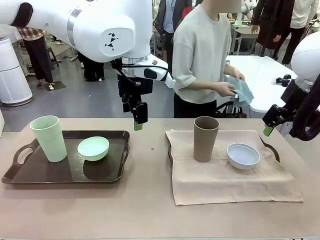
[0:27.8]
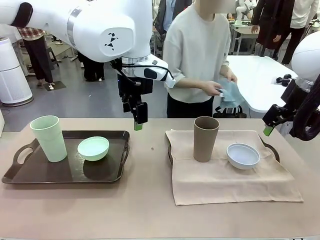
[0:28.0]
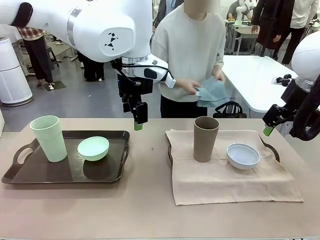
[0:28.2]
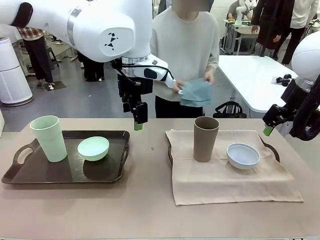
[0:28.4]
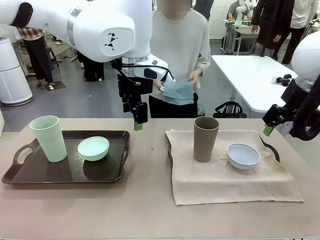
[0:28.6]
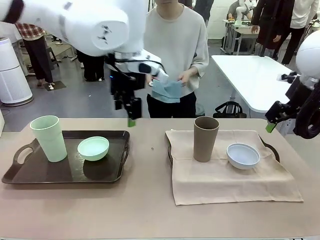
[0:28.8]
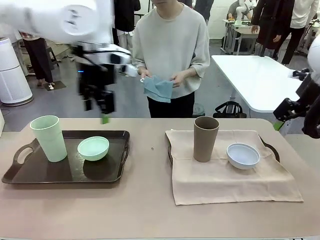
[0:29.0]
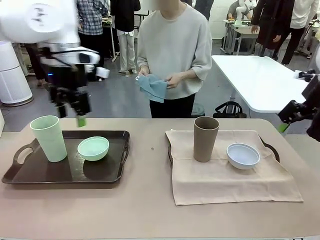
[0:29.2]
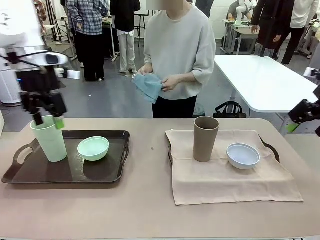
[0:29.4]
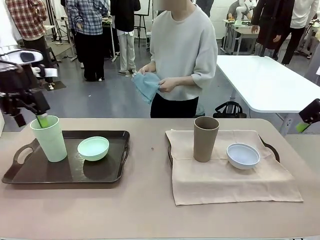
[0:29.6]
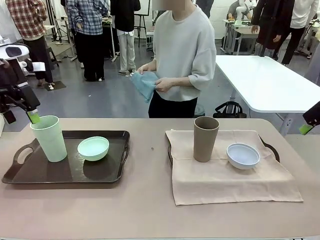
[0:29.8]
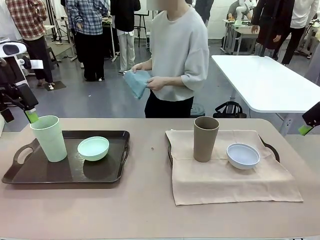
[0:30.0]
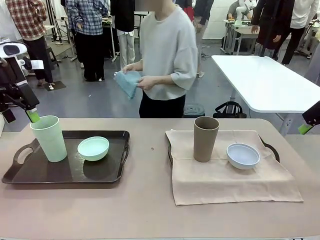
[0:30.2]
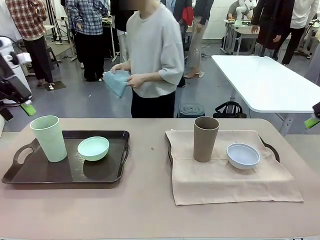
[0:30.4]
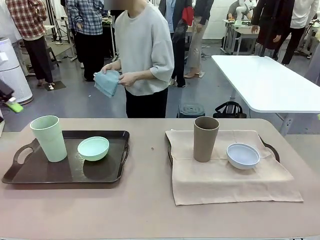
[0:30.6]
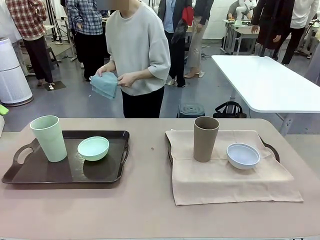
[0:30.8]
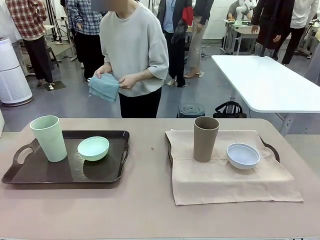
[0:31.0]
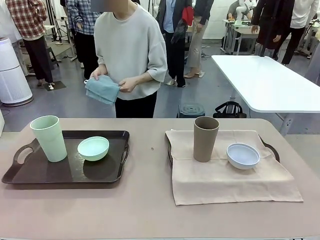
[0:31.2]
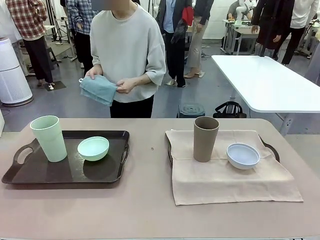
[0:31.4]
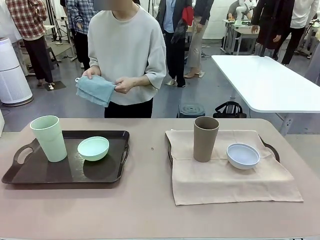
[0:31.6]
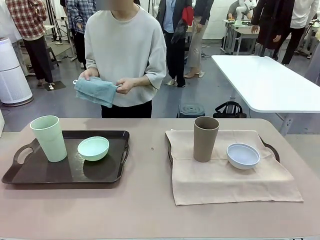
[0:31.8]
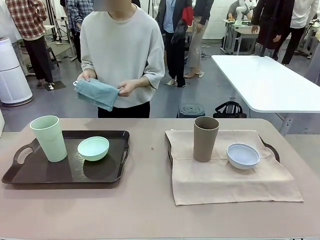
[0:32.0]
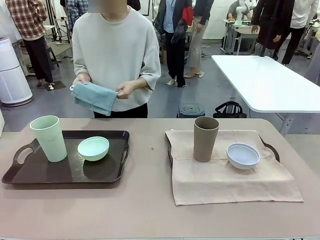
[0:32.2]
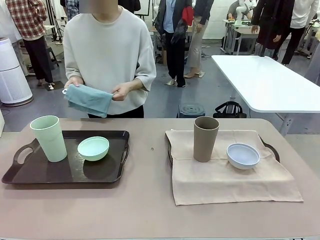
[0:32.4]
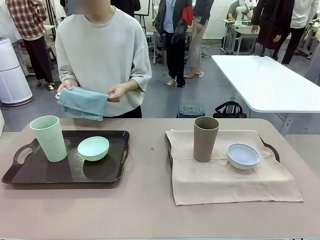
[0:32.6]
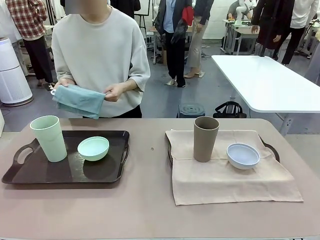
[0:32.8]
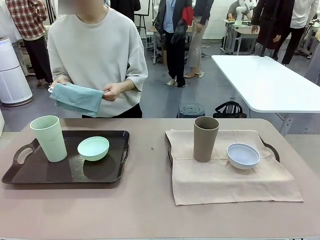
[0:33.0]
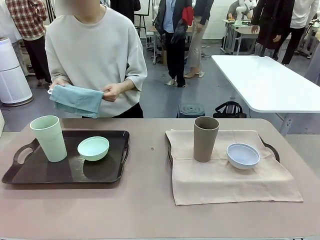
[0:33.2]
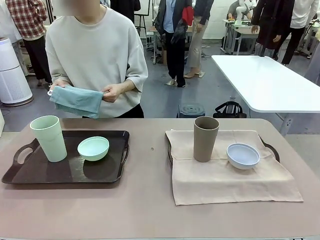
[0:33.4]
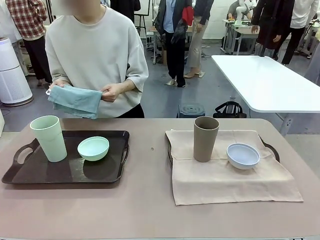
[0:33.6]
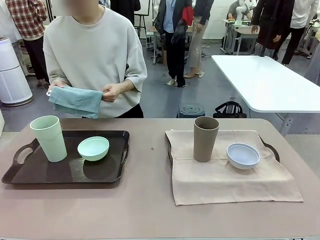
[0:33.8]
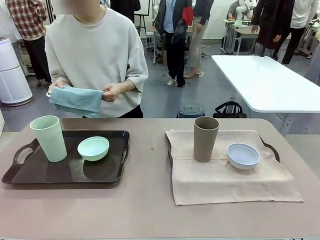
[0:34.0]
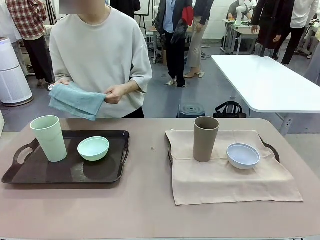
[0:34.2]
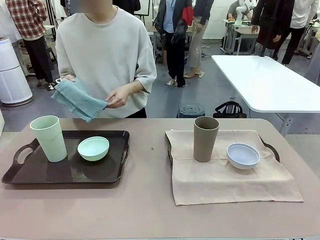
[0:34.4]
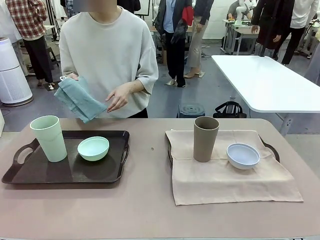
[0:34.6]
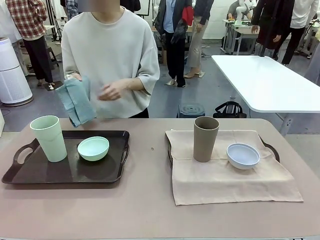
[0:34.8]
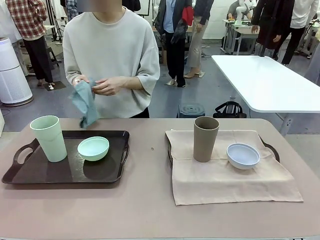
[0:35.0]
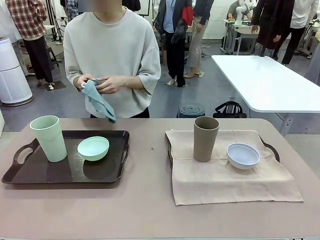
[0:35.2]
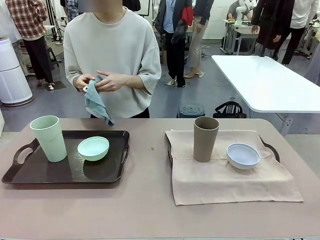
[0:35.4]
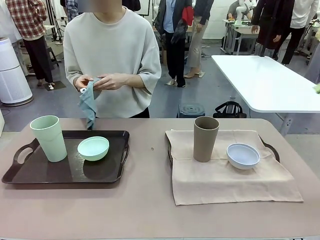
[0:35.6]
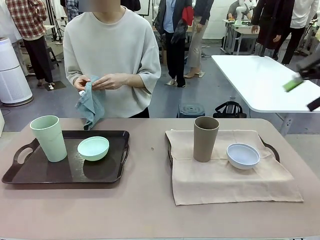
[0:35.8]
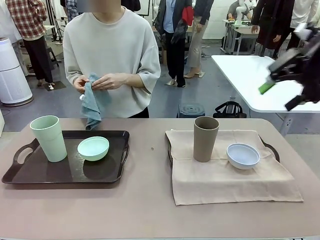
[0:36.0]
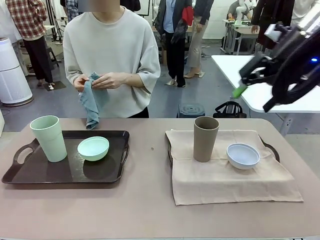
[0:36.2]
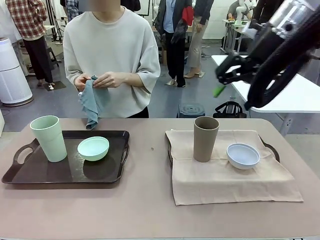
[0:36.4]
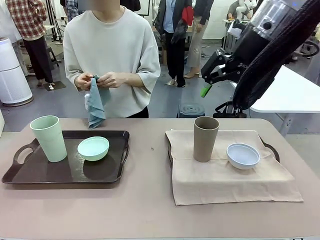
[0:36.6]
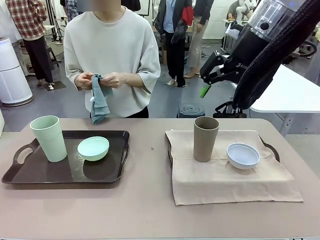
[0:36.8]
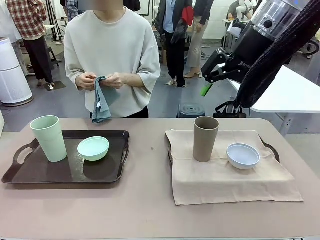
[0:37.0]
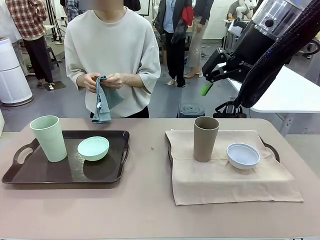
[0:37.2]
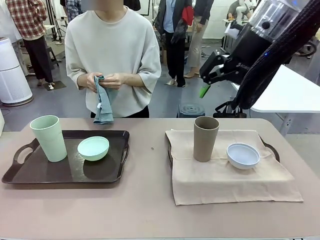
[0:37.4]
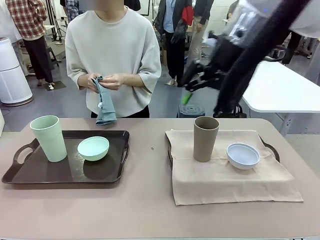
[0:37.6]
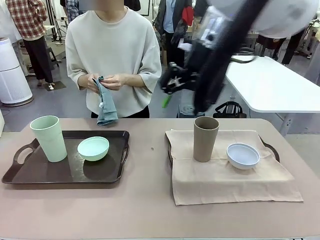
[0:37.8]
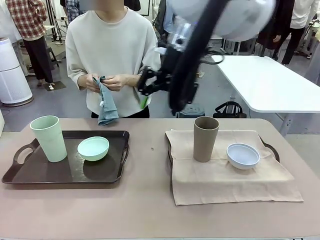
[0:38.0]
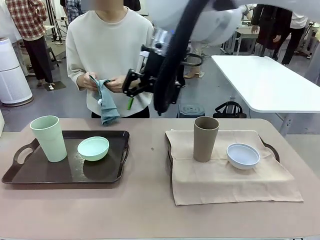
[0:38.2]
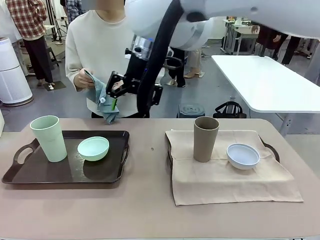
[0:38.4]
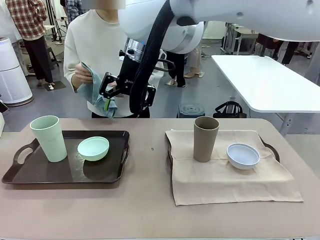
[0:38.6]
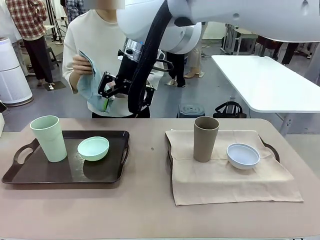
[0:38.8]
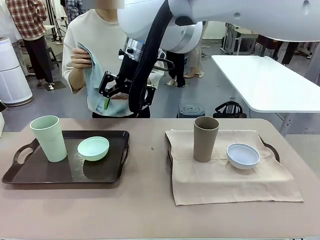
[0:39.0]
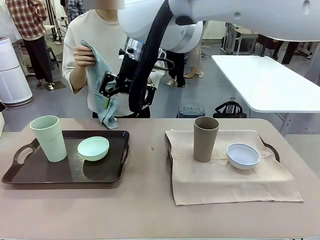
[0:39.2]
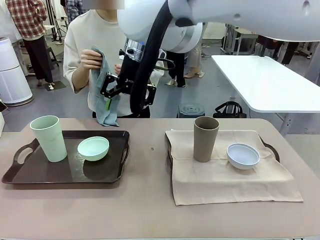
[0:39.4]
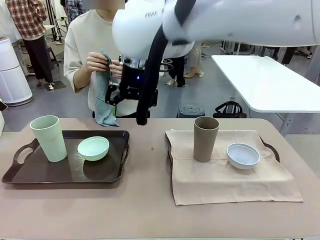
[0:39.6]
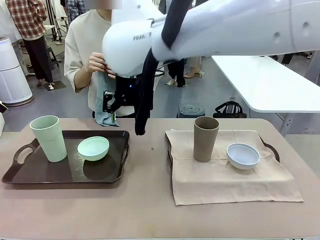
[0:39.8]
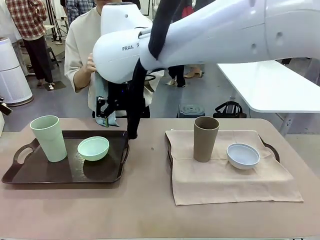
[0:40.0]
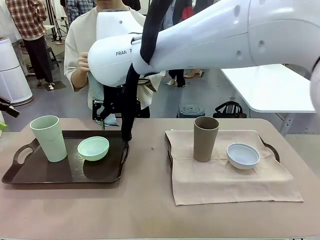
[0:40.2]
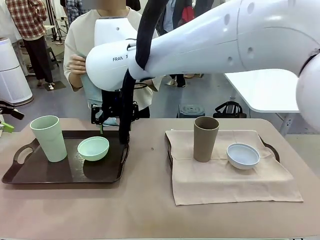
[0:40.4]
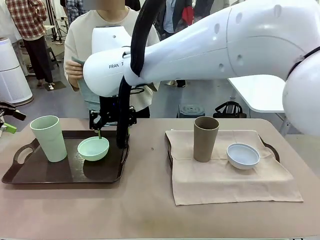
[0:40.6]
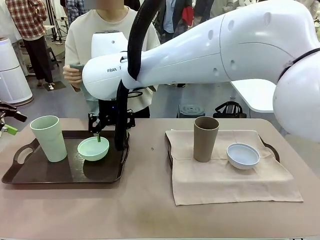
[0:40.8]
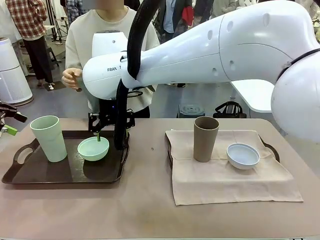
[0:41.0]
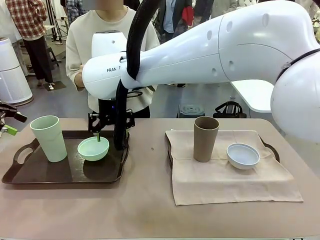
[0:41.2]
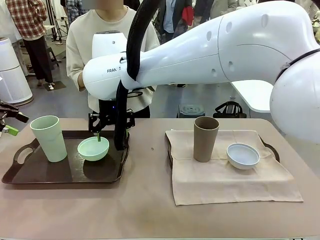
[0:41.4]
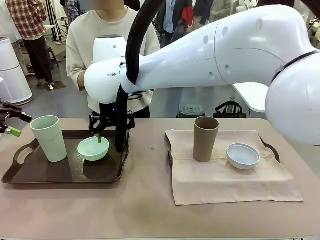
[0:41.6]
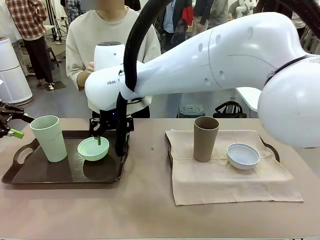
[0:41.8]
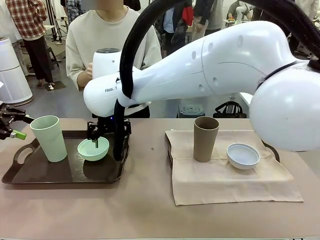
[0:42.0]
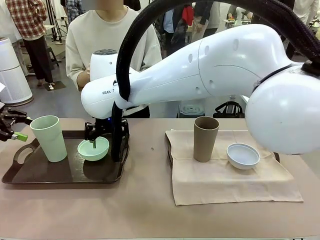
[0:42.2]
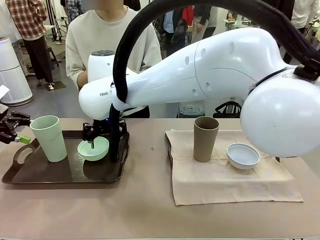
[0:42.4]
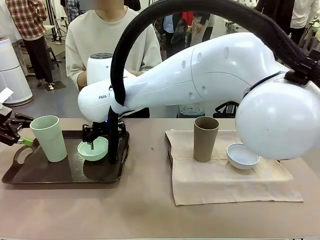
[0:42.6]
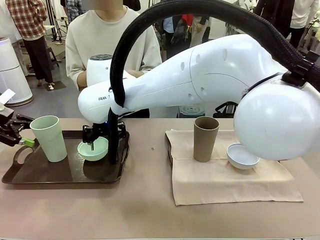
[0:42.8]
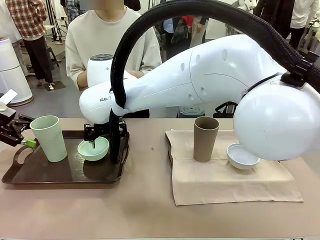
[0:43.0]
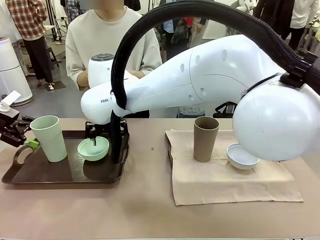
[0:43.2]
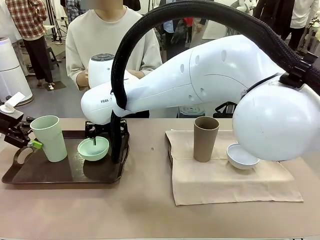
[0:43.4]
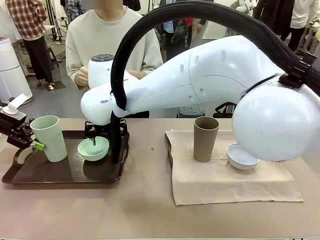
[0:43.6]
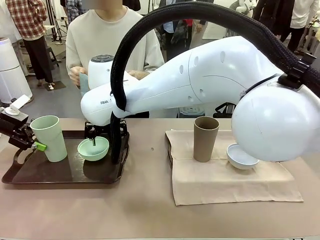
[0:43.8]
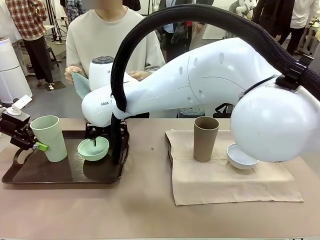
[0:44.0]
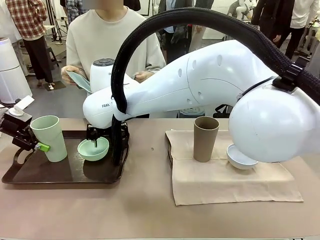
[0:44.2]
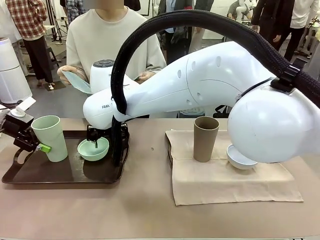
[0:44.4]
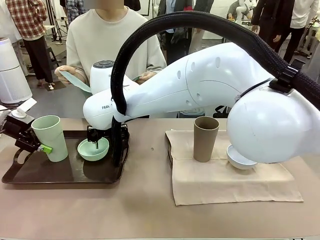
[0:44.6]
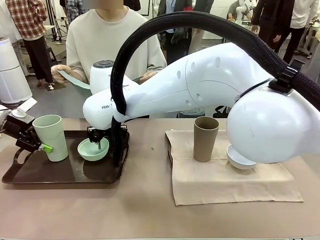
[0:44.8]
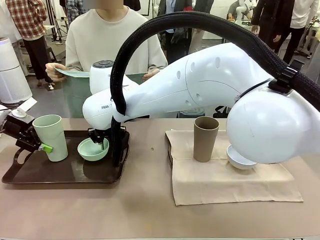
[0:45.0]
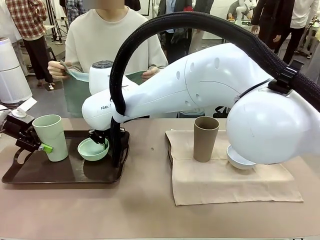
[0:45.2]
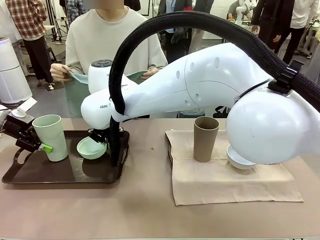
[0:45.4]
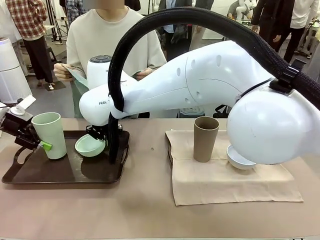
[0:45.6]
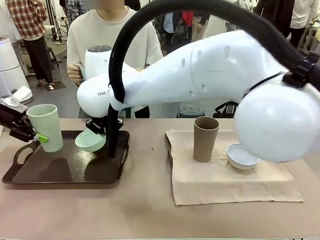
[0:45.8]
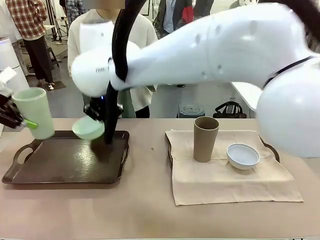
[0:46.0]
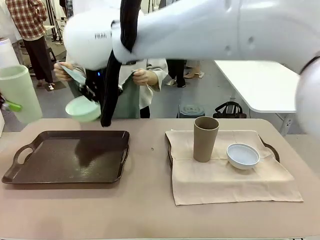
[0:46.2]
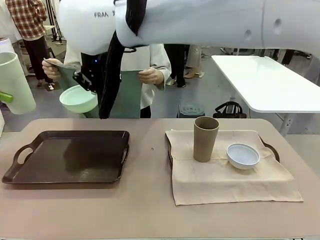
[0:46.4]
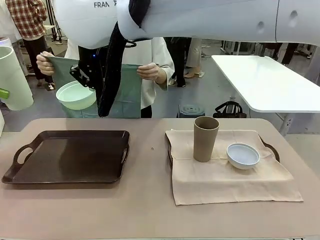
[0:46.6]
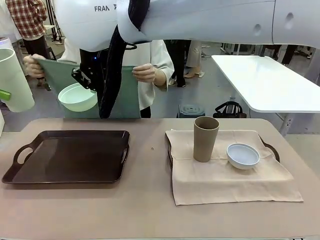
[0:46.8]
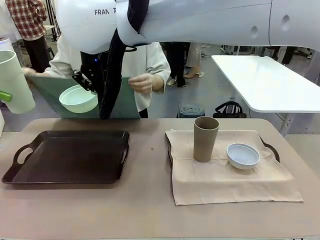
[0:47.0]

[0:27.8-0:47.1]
Robot: Pick up the Picnic Bowl and Reusable plastic cup from the Handle tray in front of the human's position and hold them in the air.
Person: The human returns to the human table to pick up another napkin and walks to the robot table to stand in front of the tray without a napkin.
